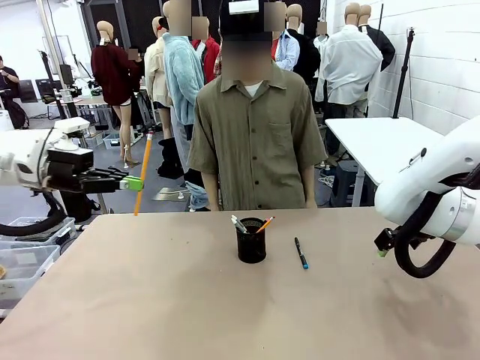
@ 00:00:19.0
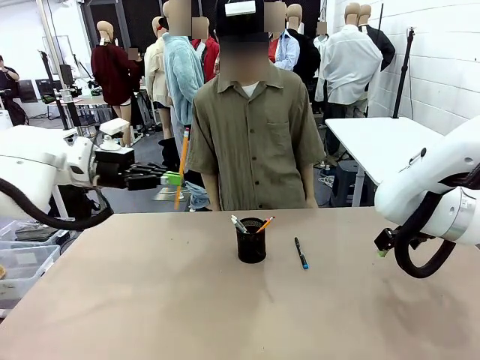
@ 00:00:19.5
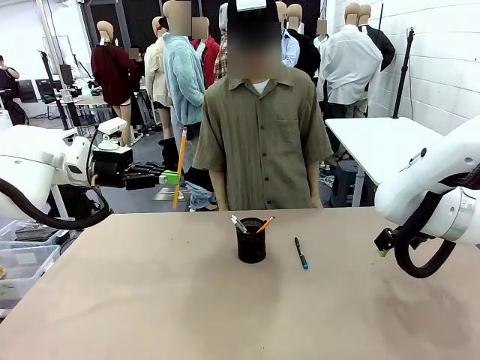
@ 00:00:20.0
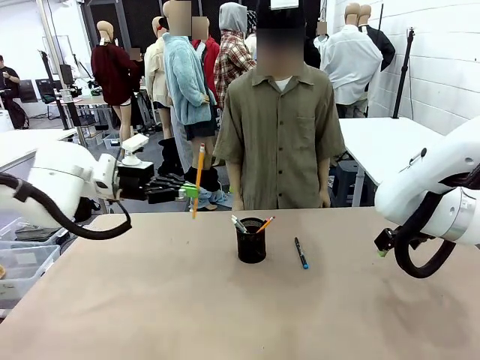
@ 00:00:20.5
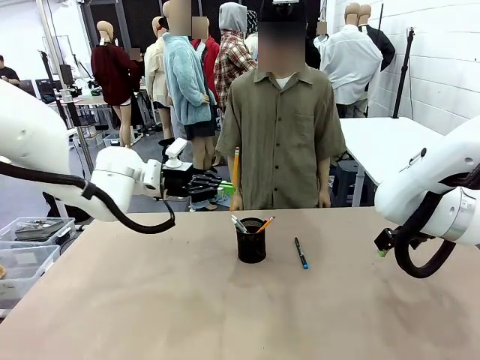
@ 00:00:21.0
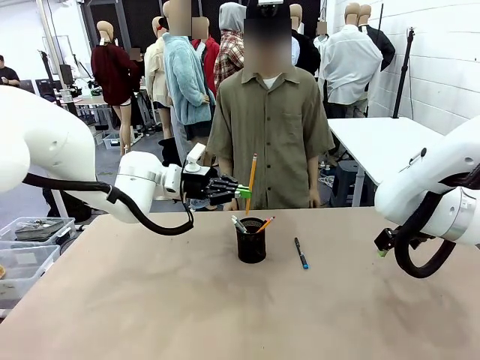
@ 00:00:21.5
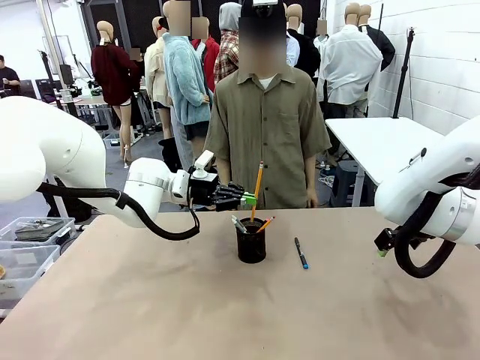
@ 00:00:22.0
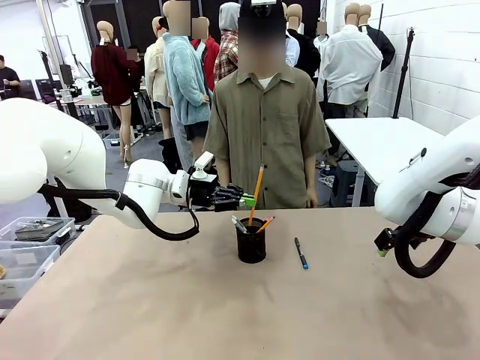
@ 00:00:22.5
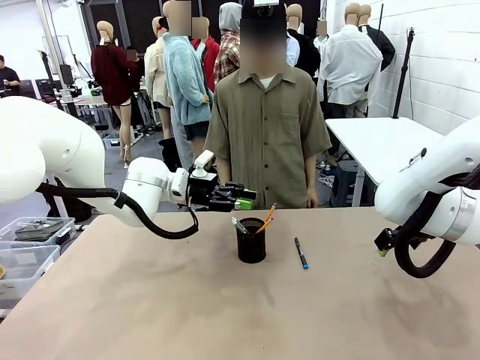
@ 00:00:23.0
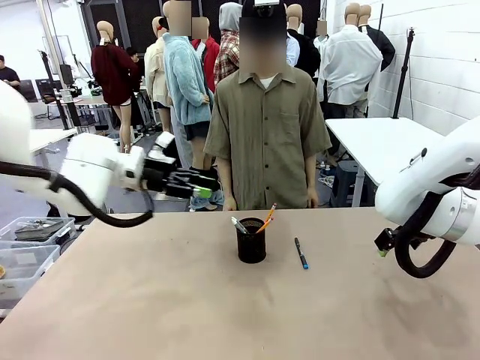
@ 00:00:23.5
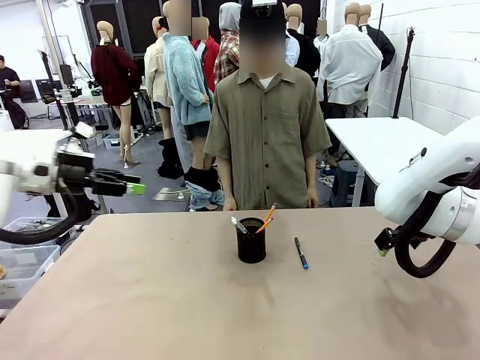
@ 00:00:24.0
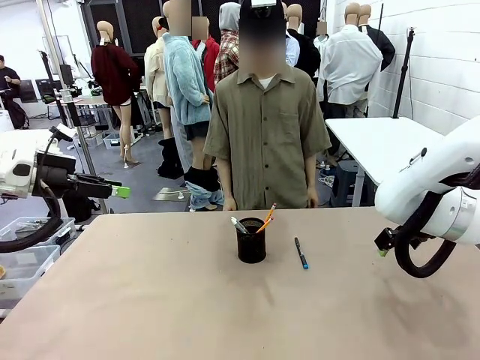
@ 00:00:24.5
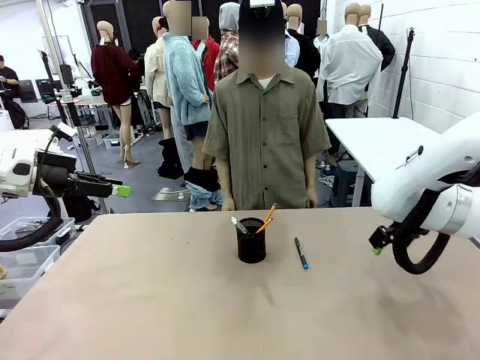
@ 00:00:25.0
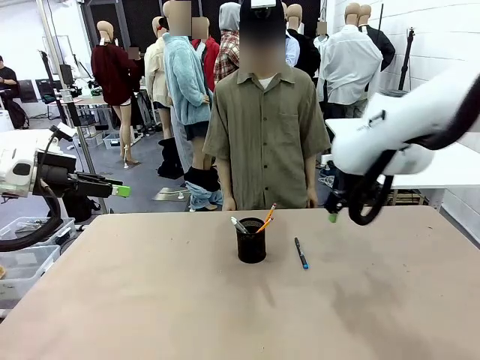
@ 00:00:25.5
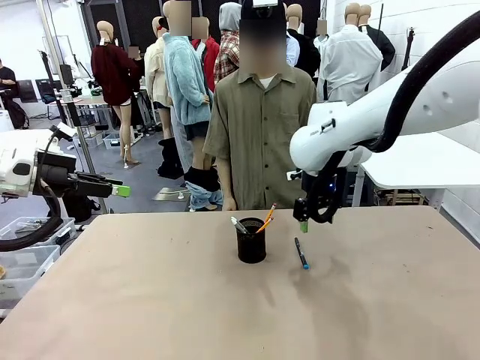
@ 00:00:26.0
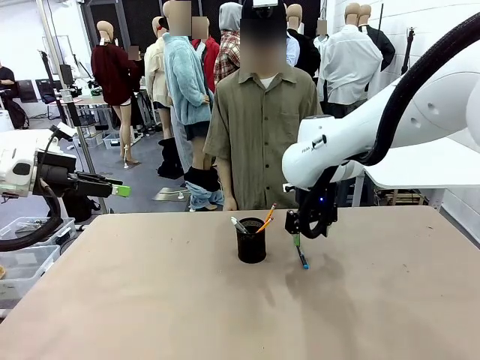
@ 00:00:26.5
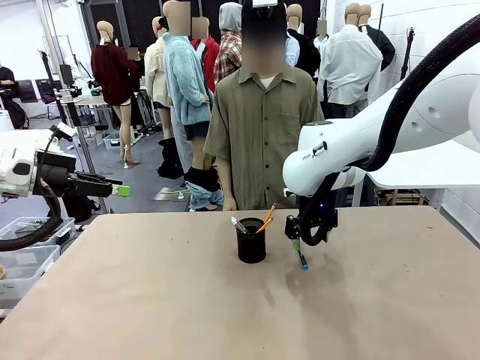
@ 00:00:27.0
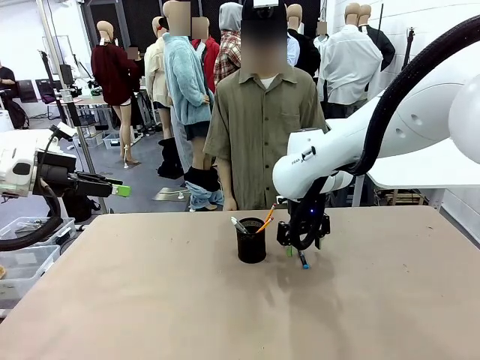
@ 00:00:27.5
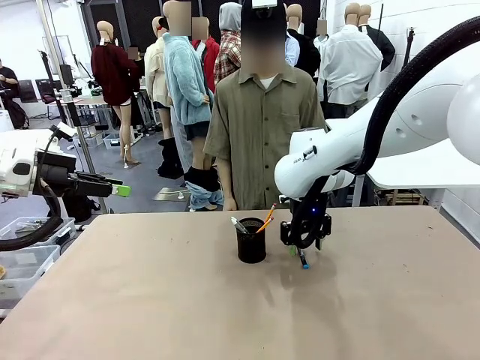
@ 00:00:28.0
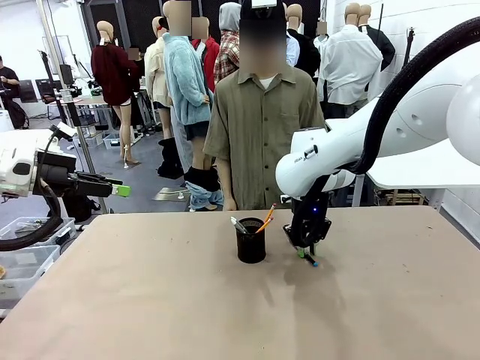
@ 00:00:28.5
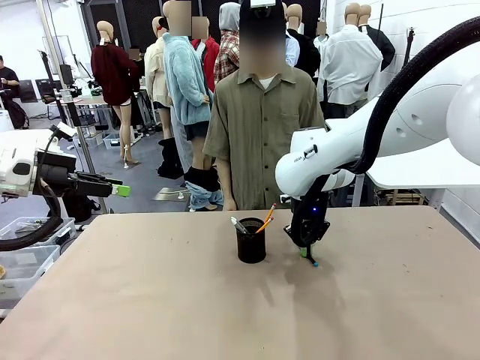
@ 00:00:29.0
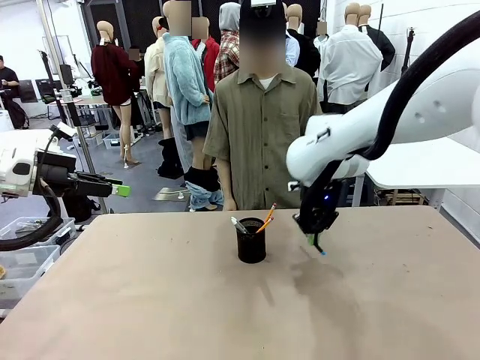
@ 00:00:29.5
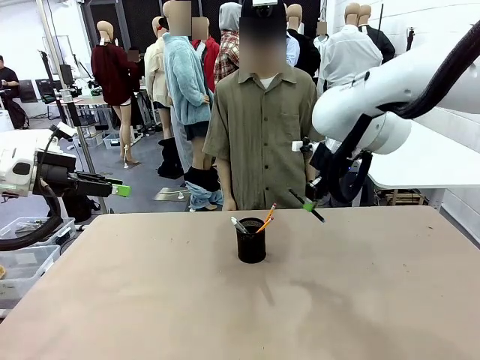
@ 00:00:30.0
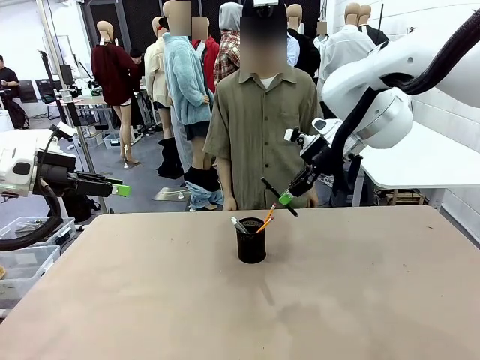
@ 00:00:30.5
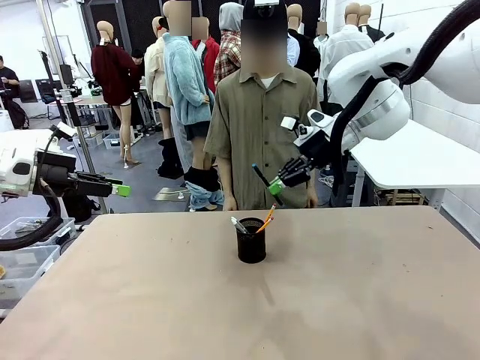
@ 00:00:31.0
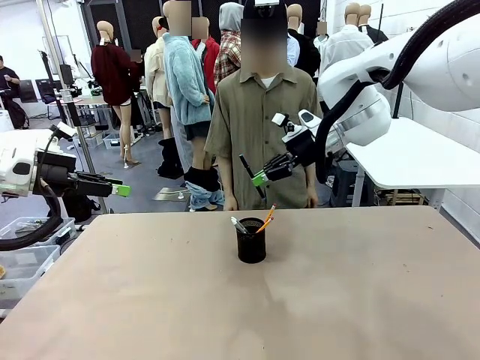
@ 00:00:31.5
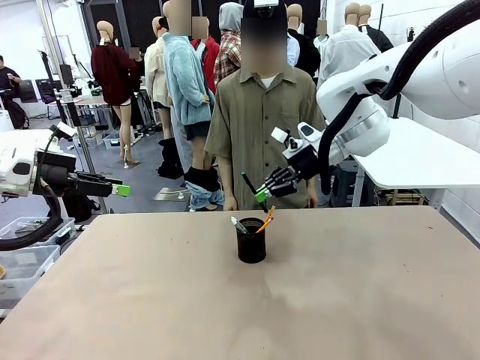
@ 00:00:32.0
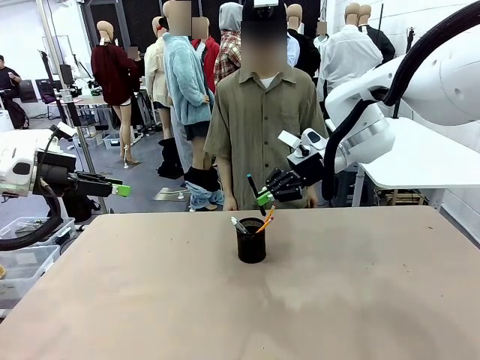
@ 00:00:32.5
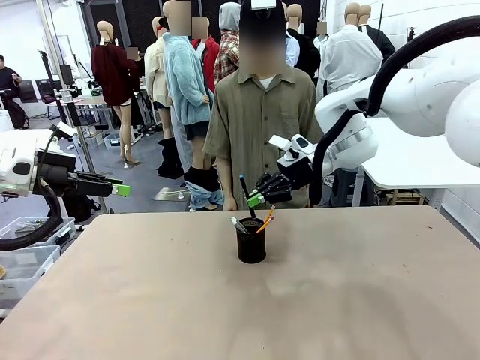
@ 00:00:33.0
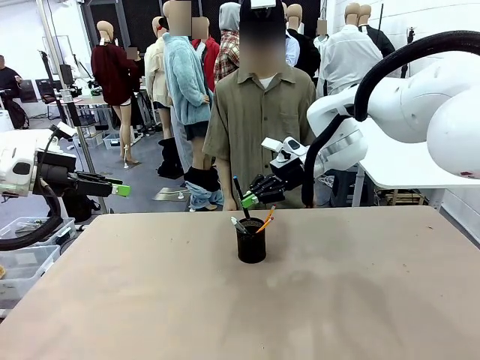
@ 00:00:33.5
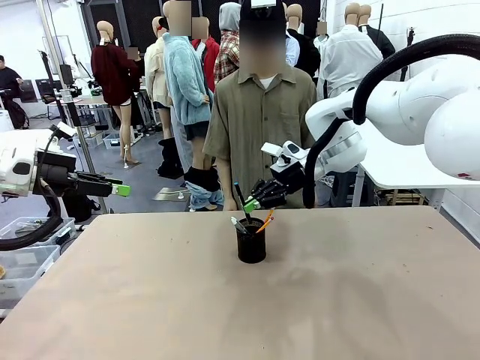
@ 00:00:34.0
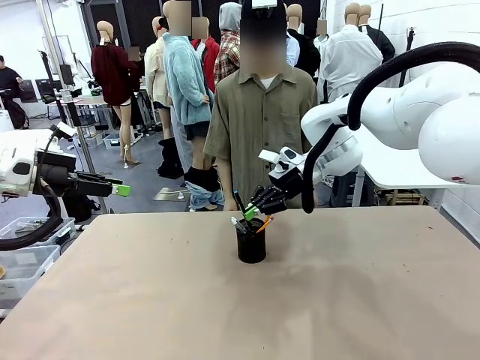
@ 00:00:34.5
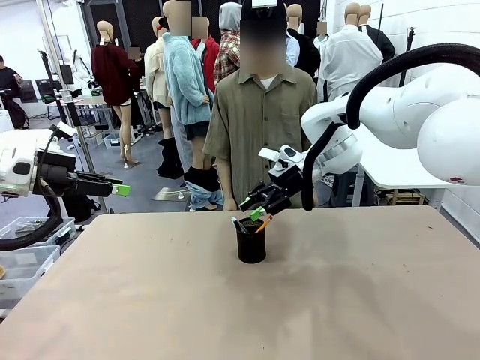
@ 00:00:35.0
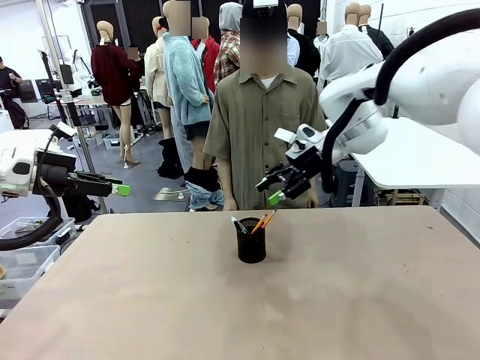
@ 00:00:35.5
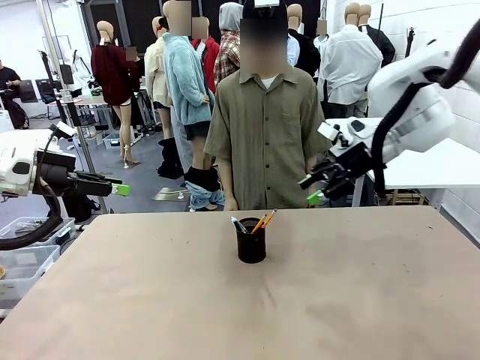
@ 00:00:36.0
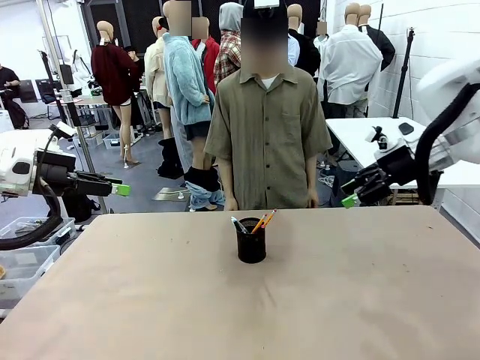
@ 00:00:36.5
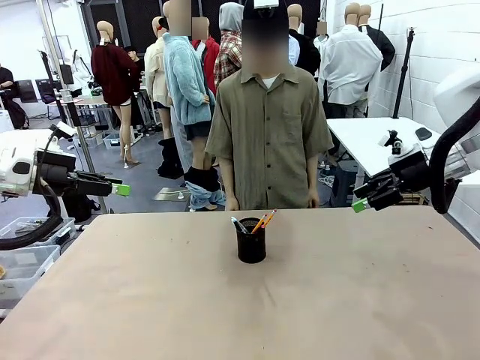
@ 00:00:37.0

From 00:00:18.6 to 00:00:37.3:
Task: Place the pens into the pen holder.
Robot: Pick up a writing instrument from the table and place it into the Pen holder.
Person: Place all writing instrument into the Pen holder.
